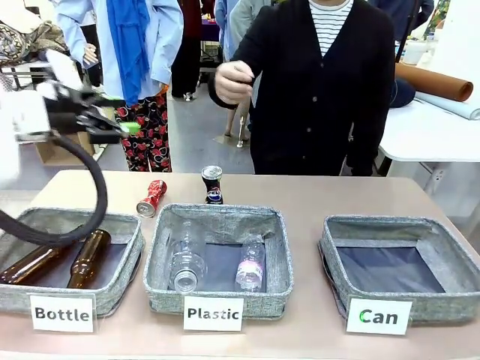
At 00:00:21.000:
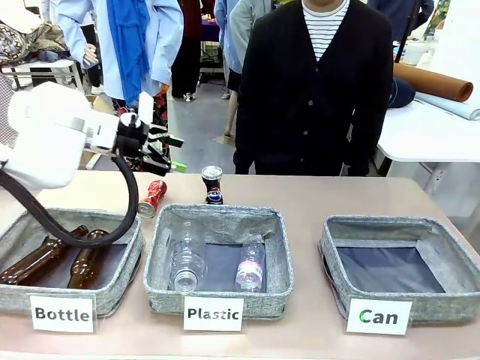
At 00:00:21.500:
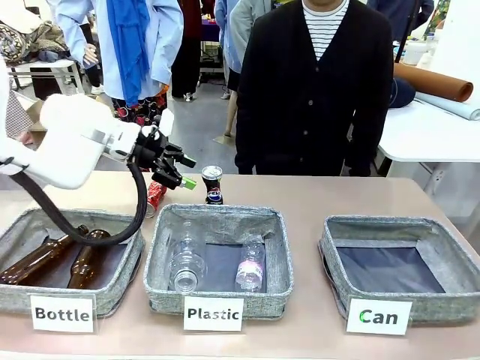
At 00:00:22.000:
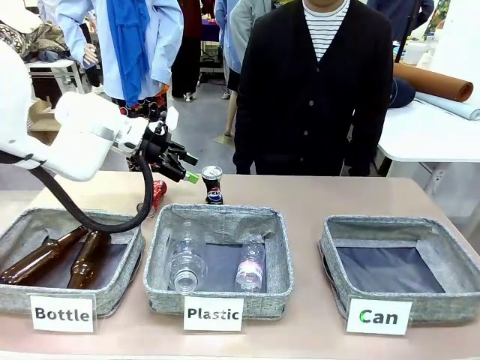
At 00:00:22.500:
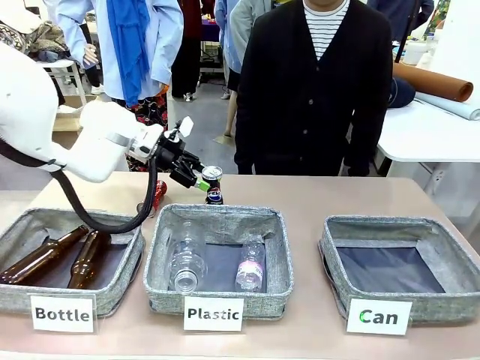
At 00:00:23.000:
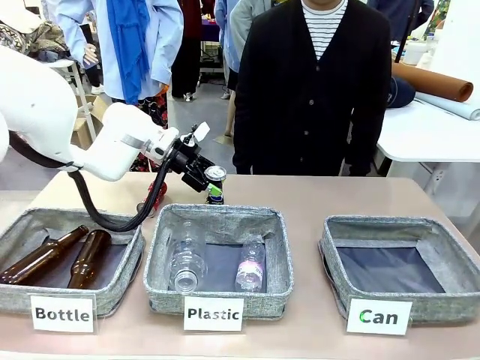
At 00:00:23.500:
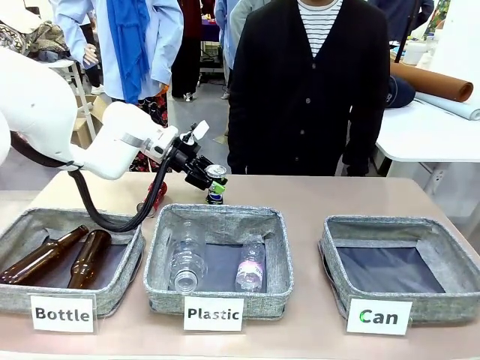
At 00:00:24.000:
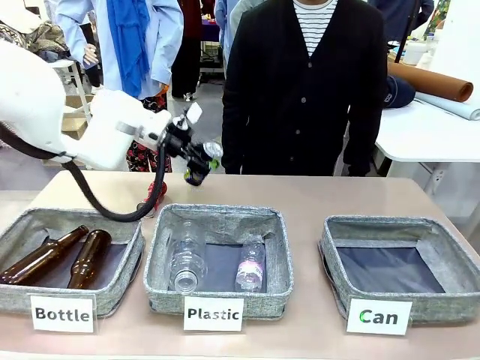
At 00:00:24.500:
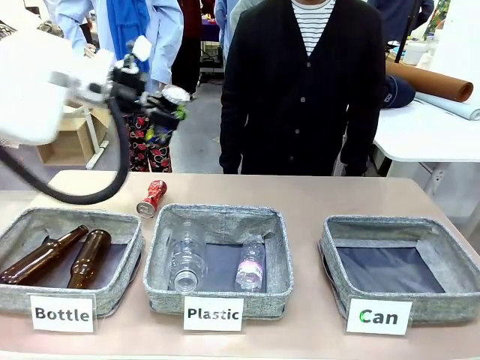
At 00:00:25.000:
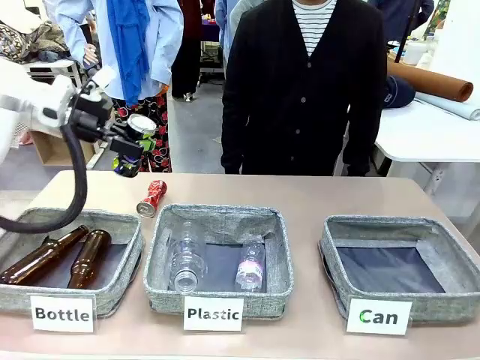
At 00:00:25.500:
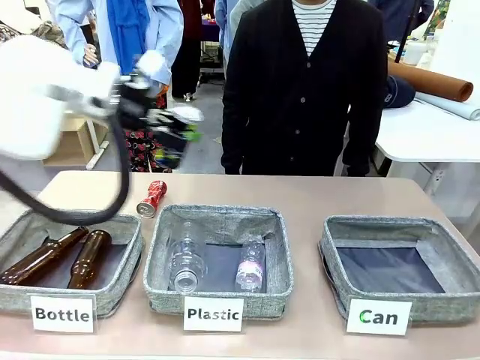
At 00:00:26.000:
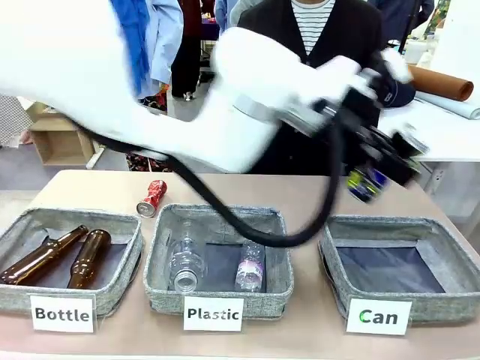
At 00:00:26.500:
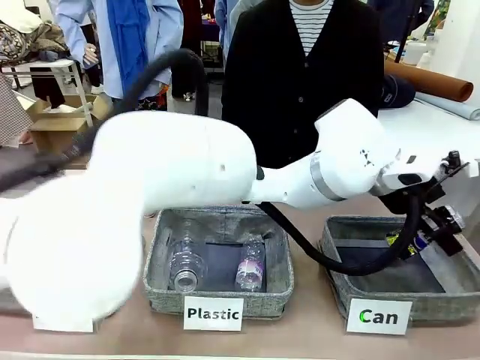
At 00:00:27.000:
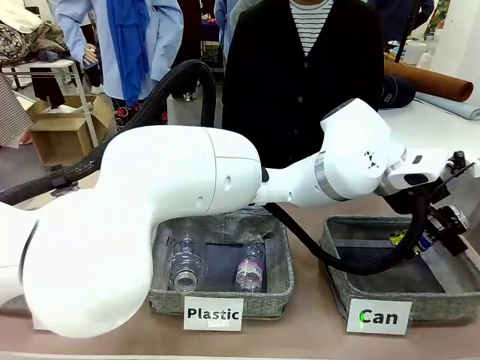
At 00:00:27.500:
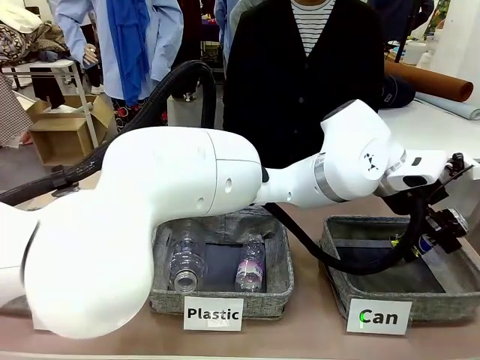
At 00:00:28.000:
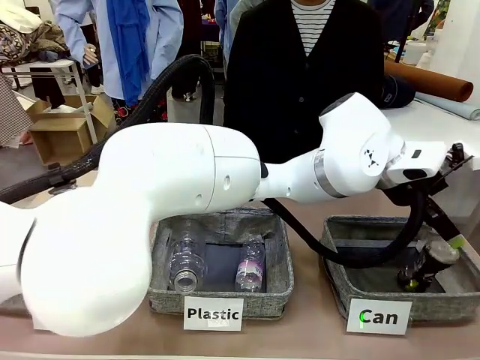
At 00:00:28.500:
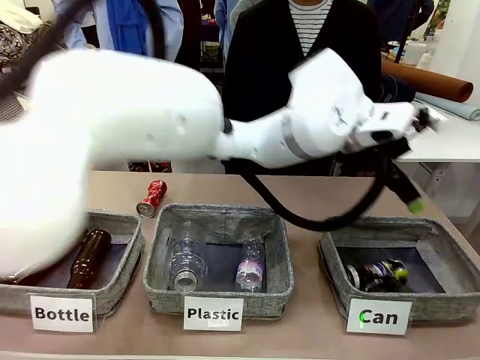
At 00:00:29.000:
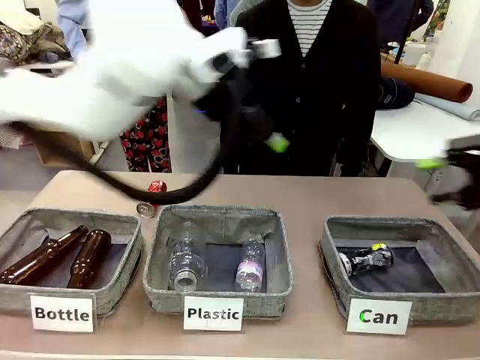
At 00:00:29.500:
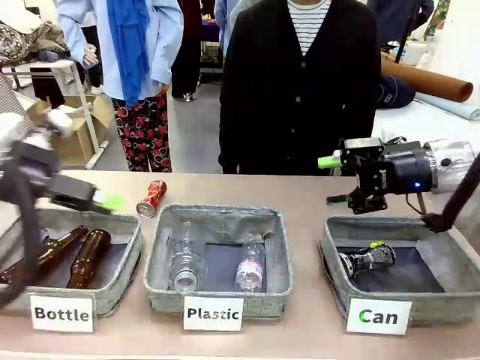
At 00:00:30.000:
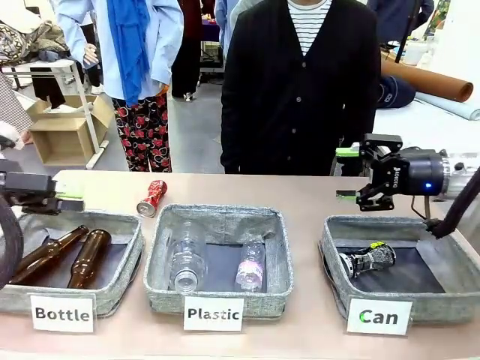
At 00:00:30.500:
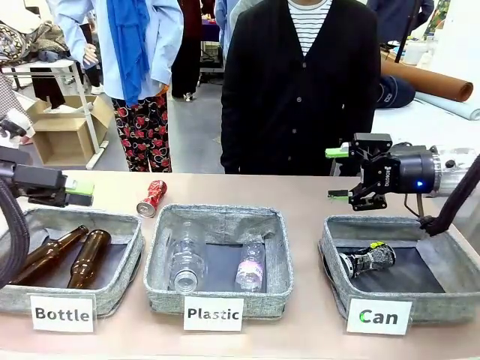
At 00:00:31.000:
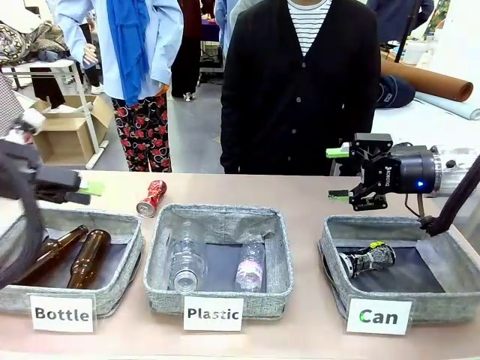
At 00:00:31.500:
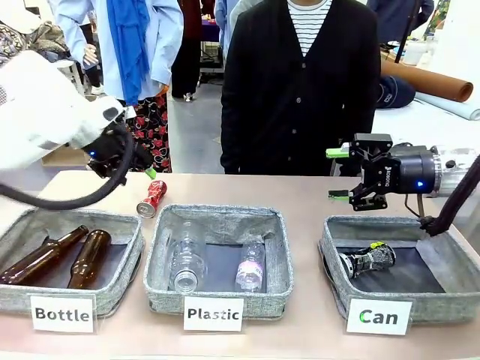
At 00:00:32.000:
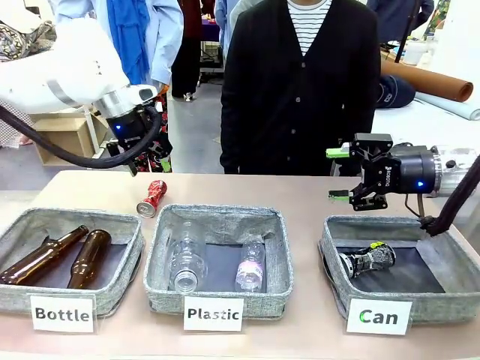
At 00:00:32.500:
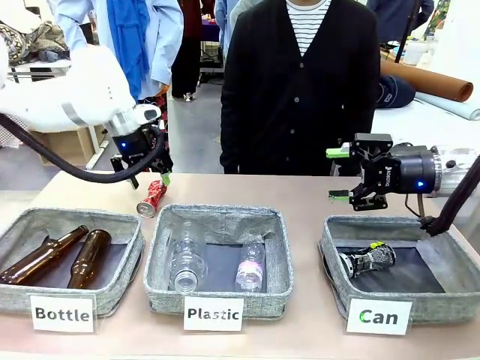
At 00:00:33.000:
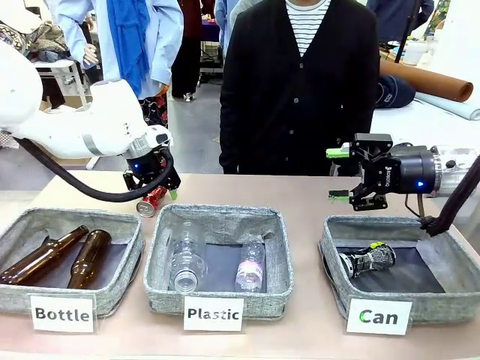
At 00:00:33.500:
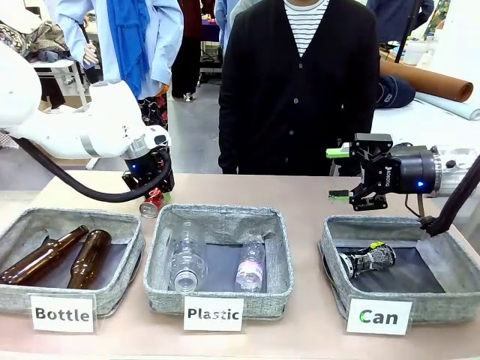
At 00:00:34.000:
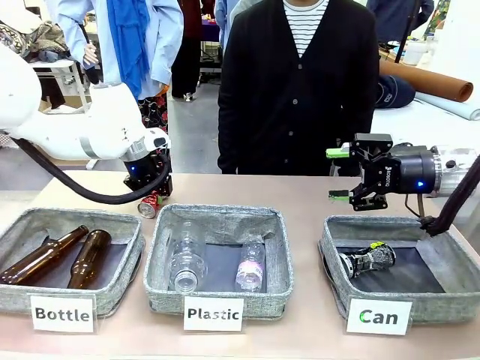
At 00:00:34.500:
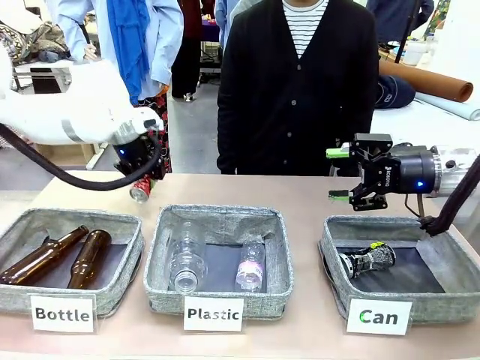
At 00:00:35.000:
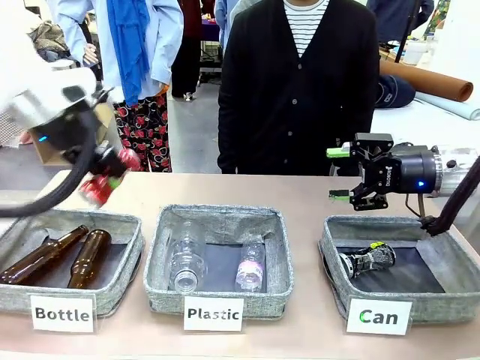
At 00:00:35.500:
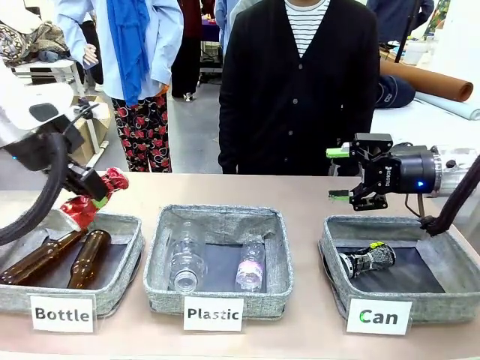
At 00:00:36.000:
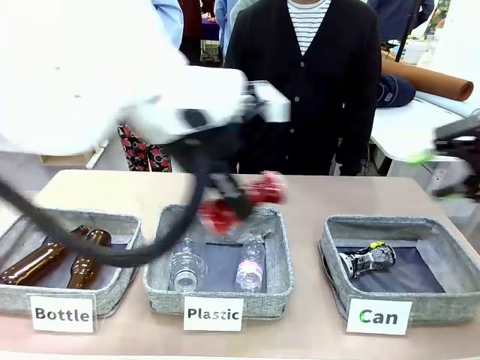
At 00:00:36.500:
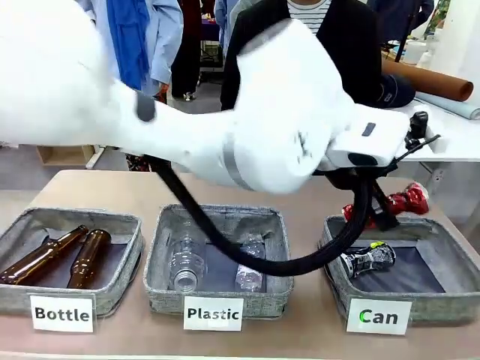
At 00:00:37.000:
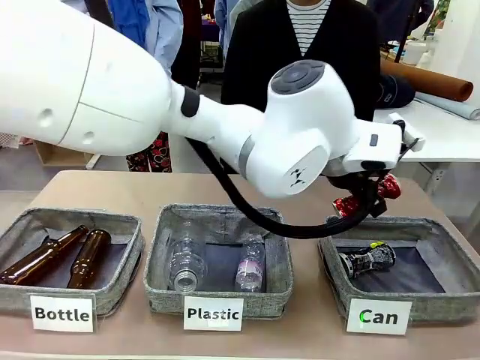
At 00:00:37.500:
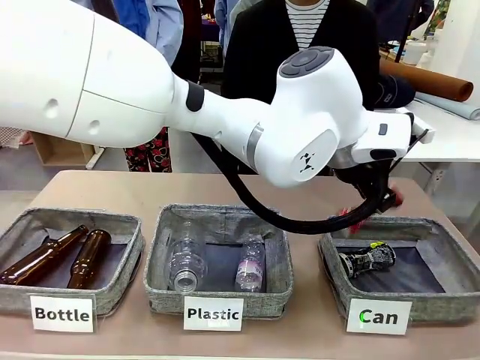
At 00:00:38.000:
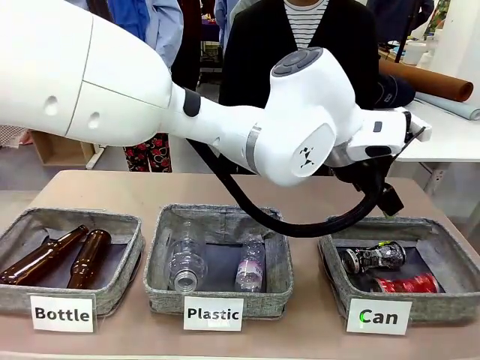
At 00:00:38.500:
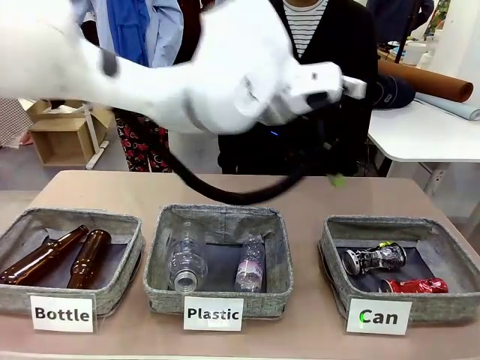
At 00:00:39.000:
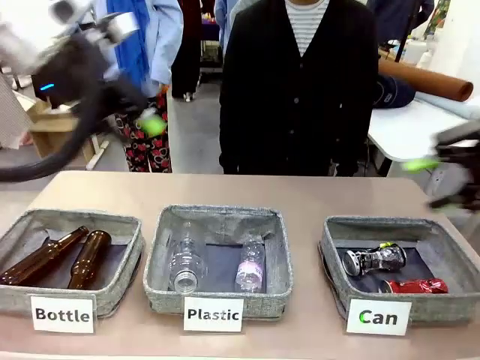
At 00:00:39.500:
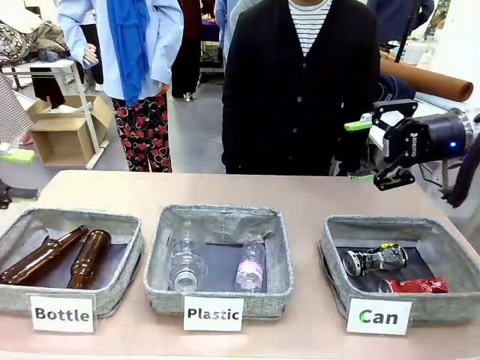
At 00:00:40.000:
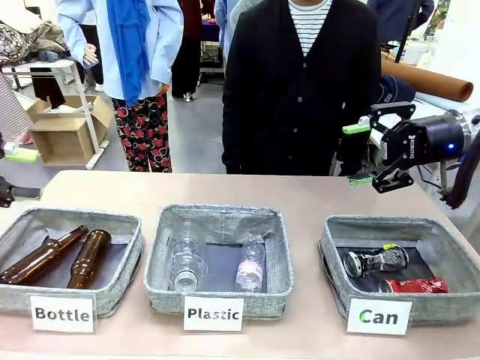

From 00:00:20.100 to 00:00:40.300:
Task: Sort the can waste into the basket.
Robot: Pick up the can waste from the table and place it in the right Fabric basket.
Person: The human picks up one piece of trash that is not a can and places the trash into the appropriate organizing basket.
